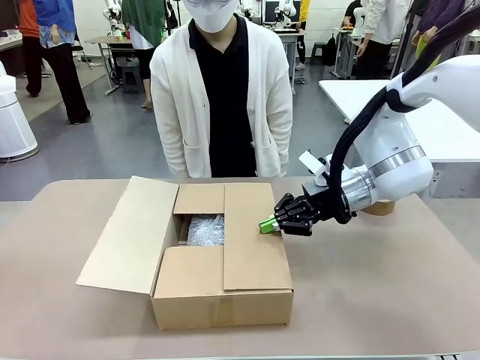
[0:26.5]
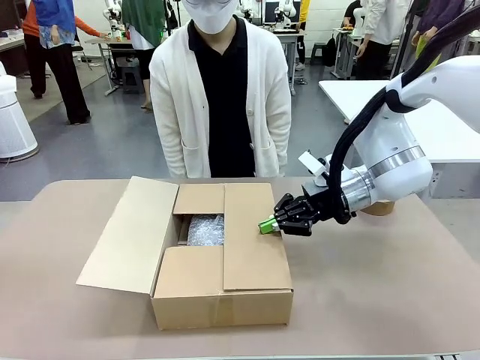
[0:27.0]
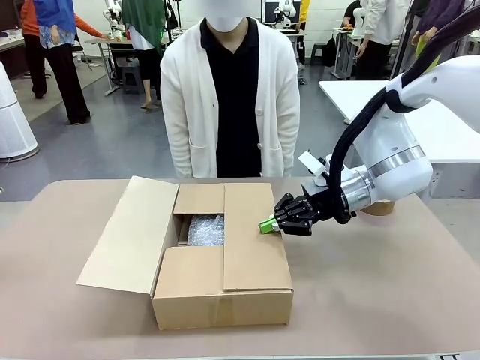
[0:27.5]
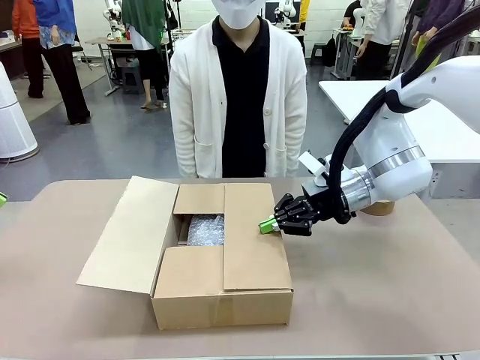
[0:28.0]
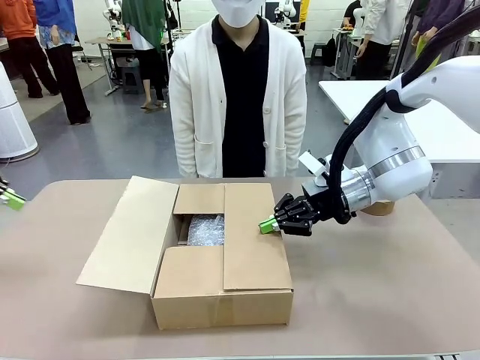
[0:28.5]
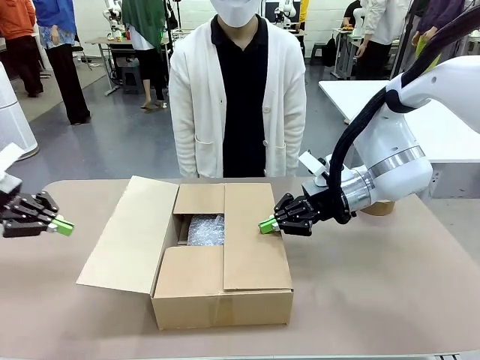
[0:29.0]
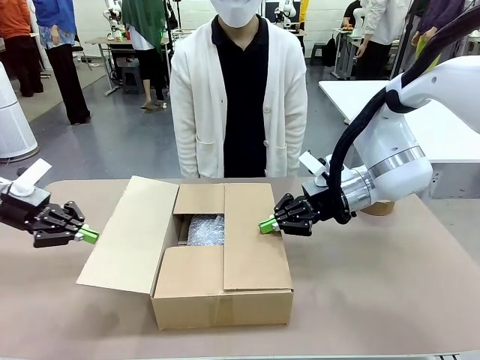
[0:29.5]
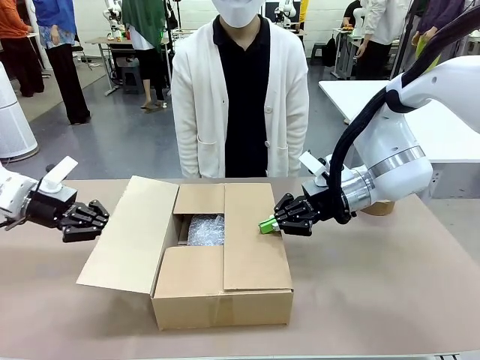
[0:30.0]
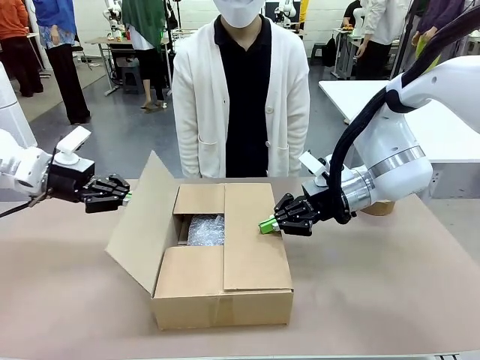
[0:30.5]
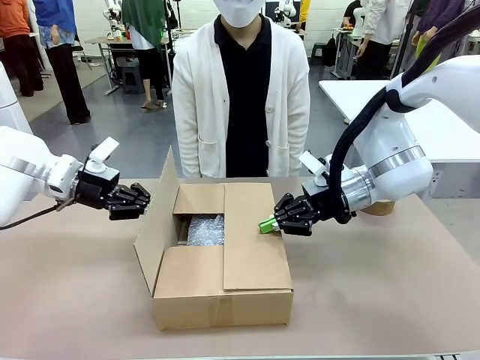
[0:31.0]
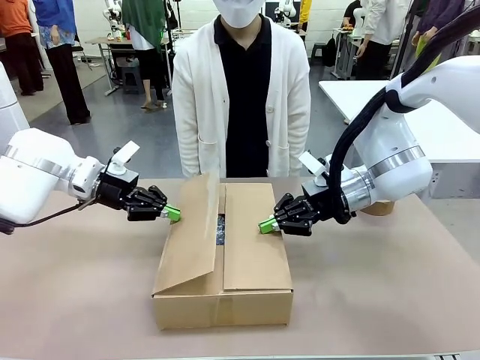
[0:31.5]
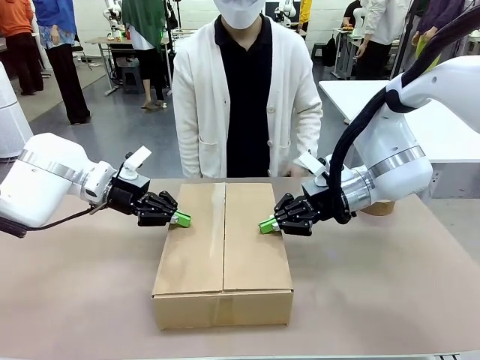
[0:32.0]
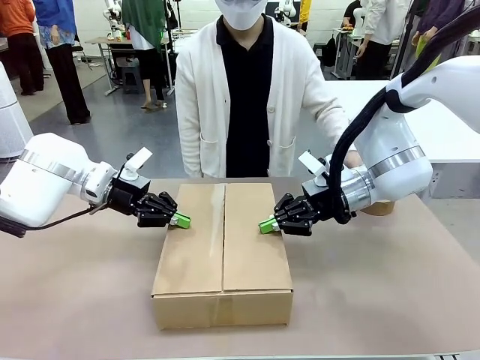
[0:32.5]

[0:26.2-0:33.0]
Task: Wrap the clocks to prevent damage.
Robot: Push the left (or right) flap of the Package Box to close it.

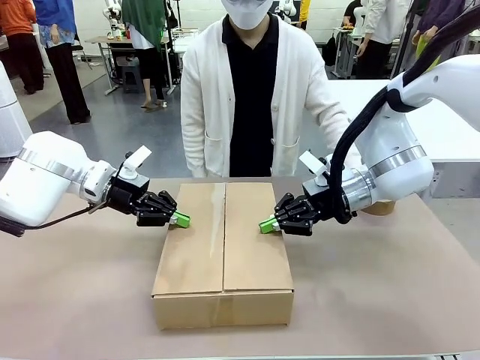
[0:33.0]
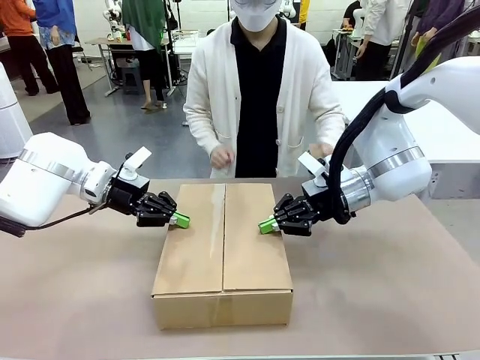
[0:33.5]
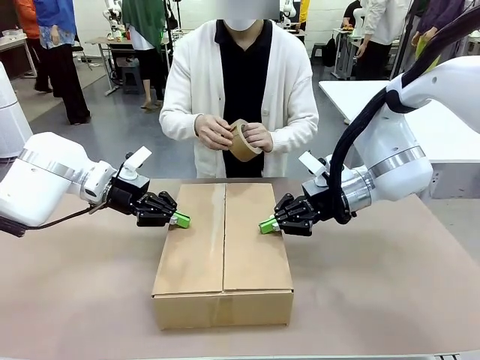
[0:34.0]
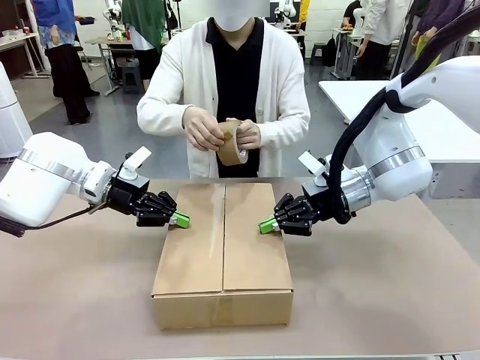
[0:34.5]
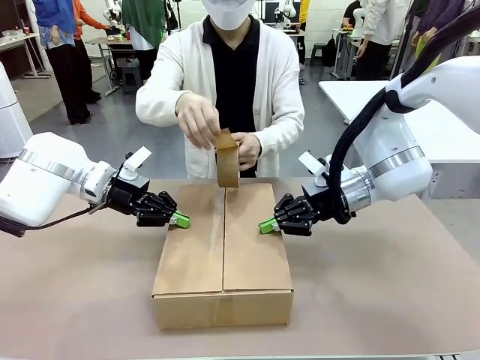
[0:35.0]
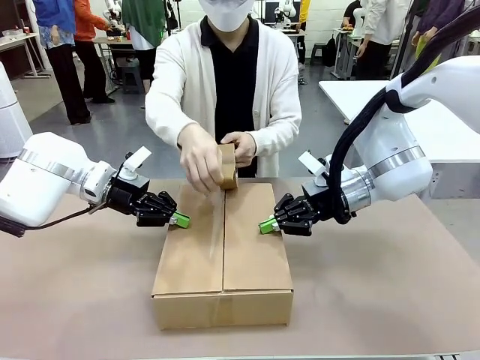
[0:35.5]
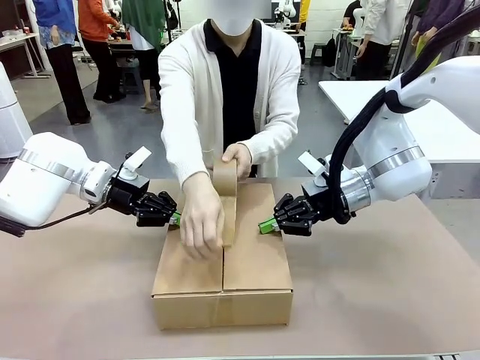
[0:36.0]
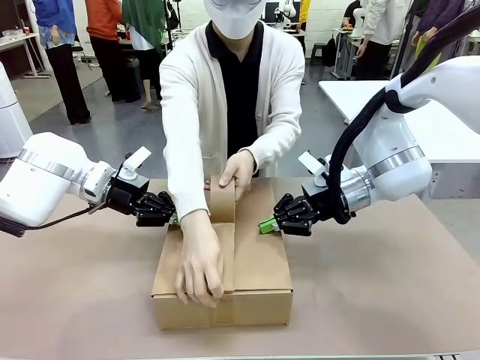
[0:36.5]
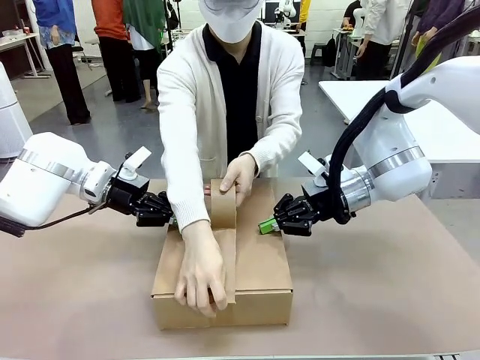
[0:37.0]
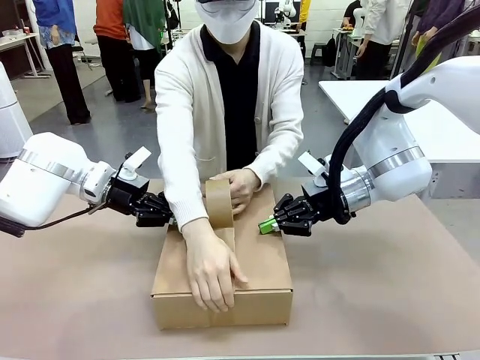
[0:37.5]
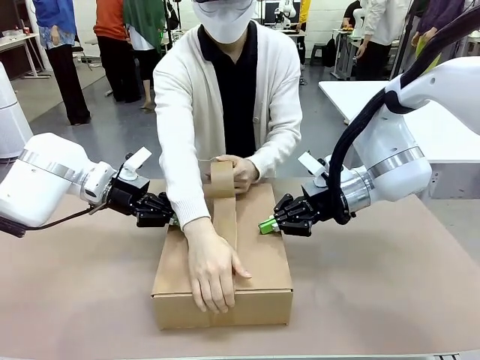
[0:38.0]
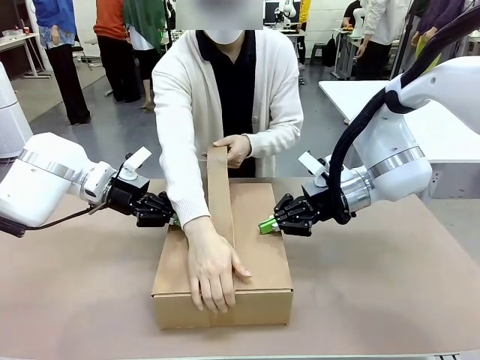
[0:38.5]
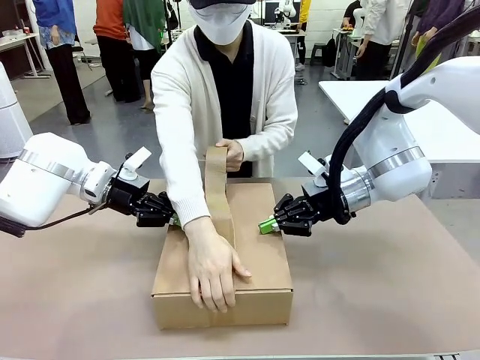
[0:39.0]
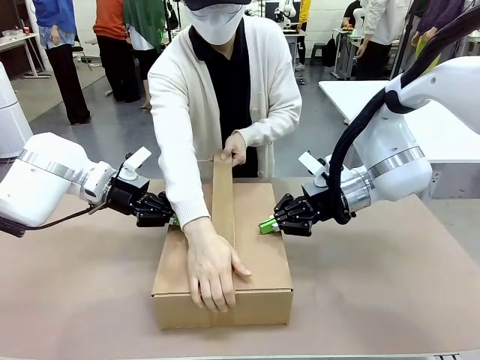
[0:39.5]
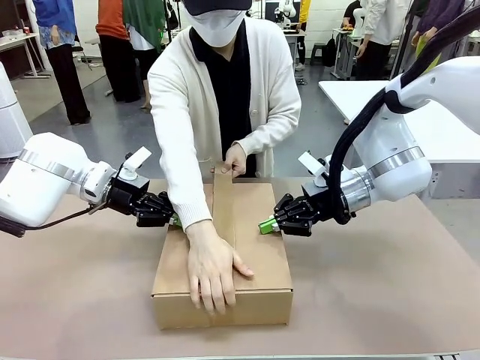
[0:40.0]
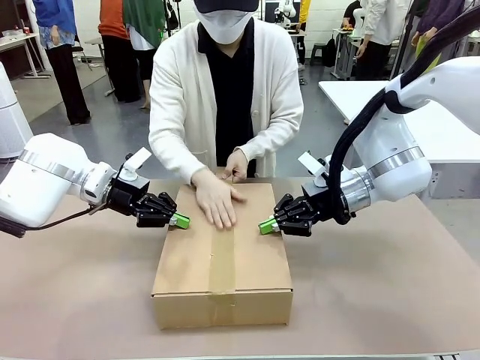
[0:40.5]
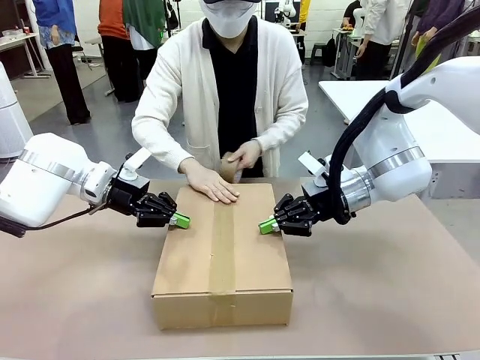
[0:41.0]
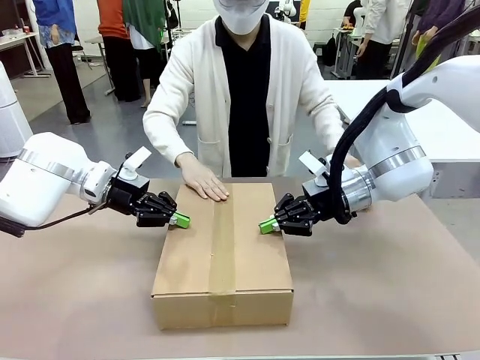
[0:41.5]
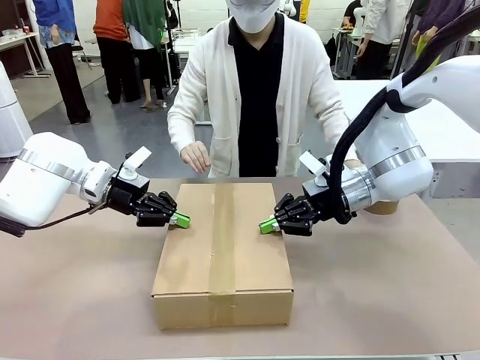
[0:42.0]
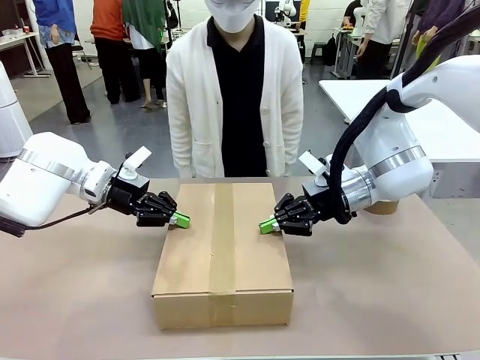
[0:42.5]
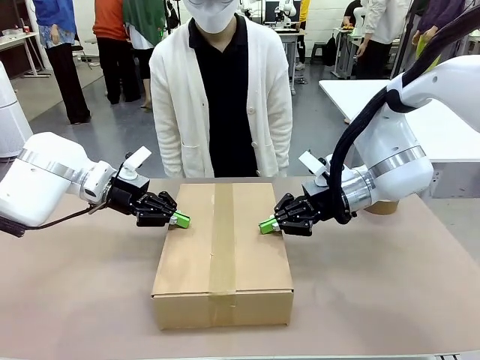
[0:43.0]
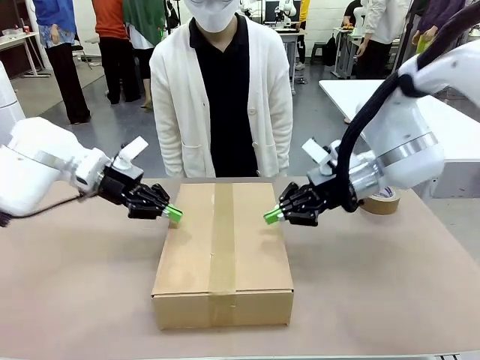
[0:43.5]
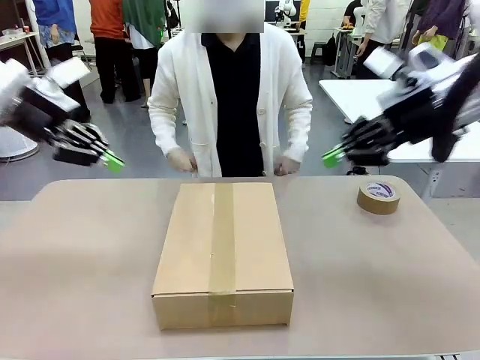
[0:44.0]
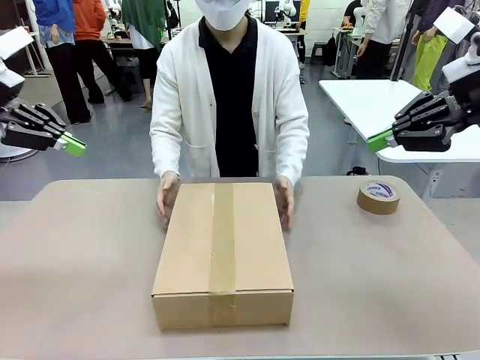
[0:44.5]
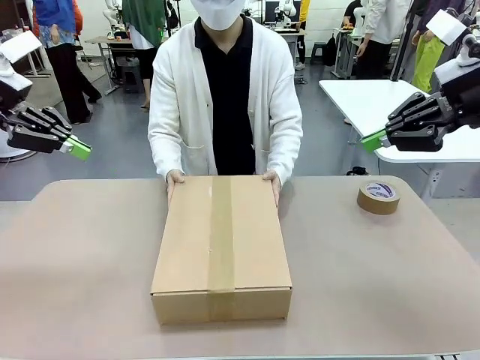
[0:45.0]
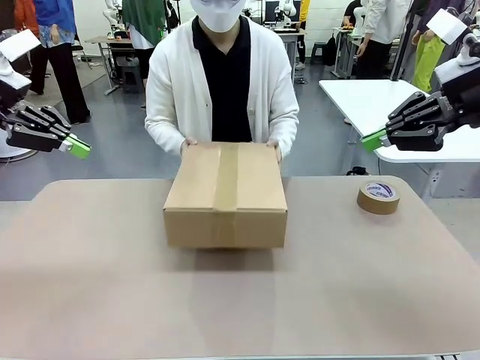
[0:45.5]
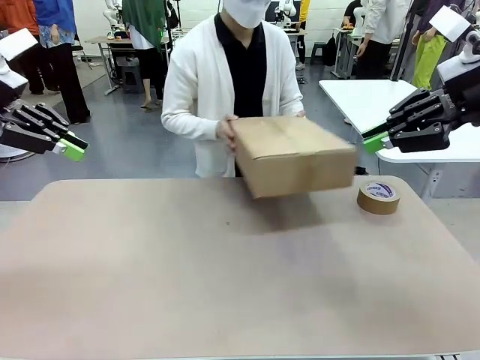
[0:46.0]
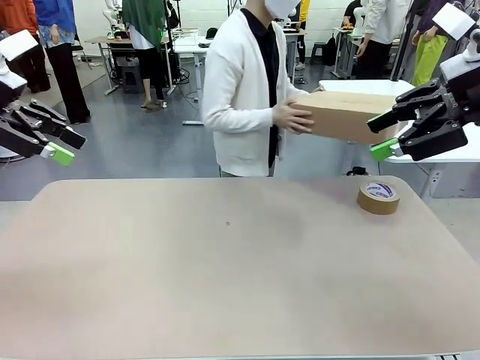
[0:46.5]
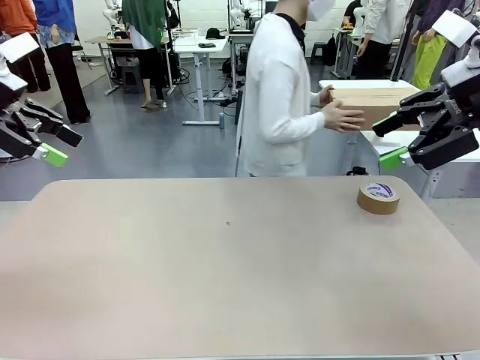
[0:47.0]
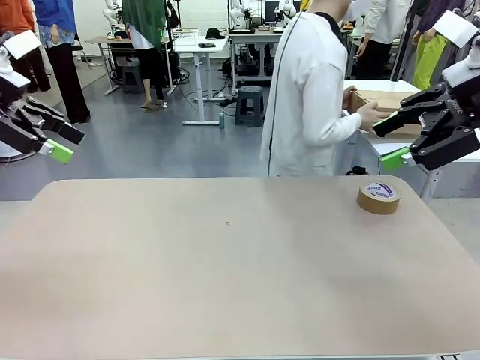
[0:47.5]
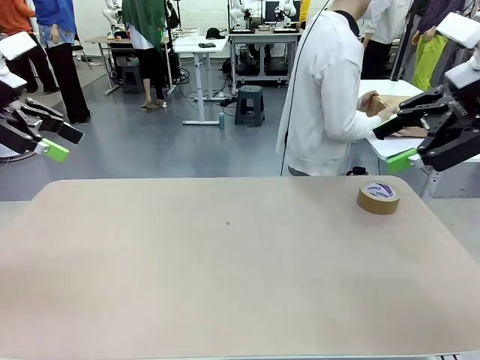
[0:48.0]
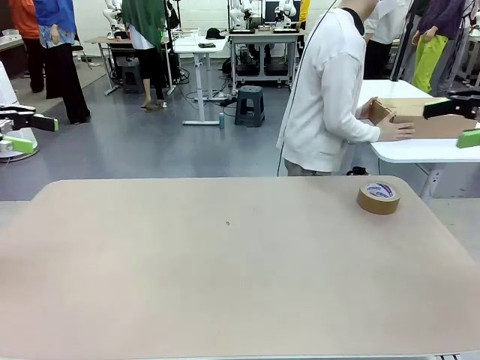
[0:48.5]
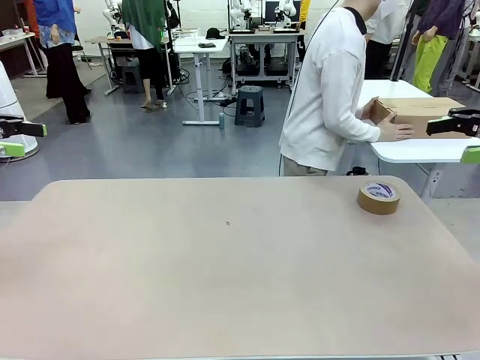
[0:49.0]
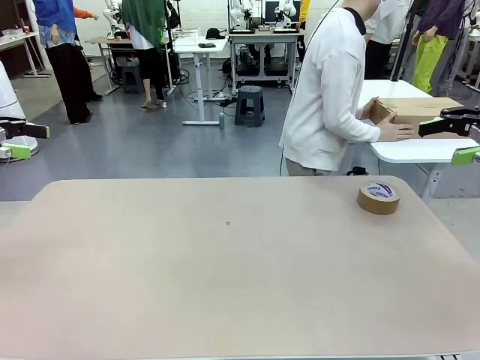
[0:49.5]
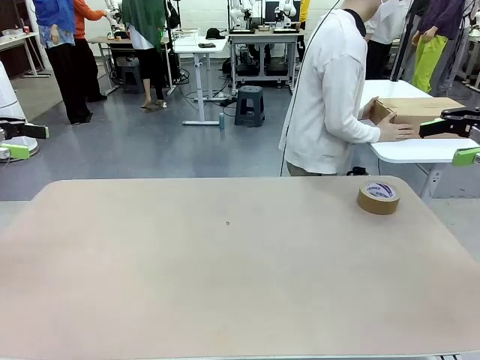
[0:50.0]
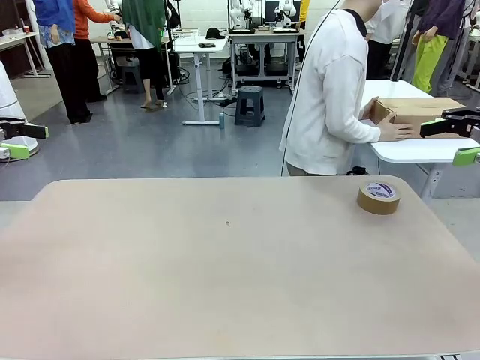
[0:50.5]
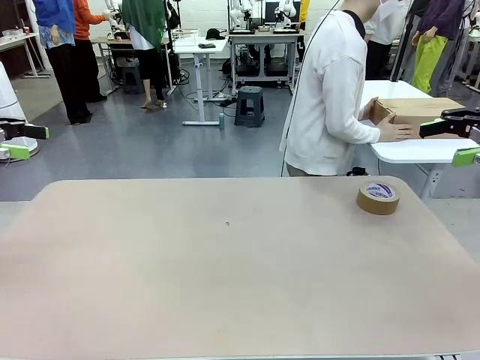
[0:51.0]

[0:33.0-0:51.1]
Robot: After the human seals the box with tape, release both hands from the side flaps of the Package Box.
Person: Once the robot closes the left flap of the Package Box , seal the box with Paper Tape. Place sealed Package Box in the middle of the human's table.
